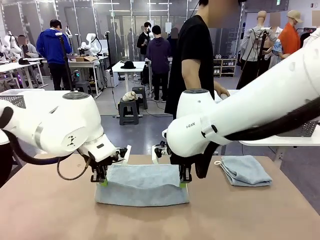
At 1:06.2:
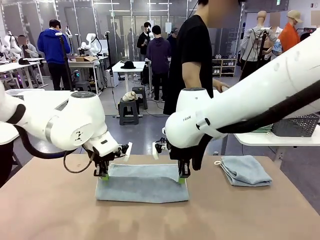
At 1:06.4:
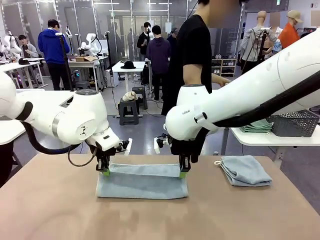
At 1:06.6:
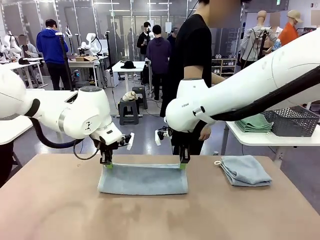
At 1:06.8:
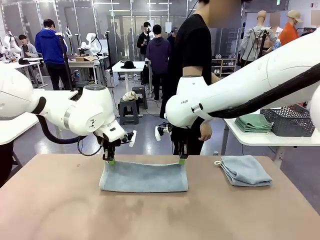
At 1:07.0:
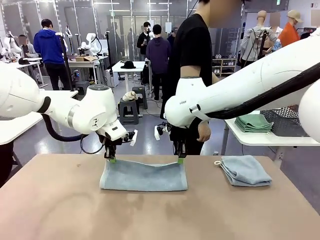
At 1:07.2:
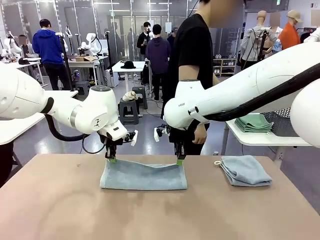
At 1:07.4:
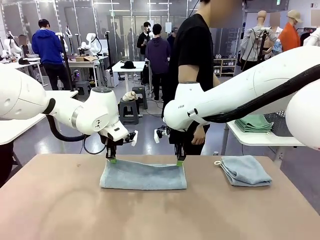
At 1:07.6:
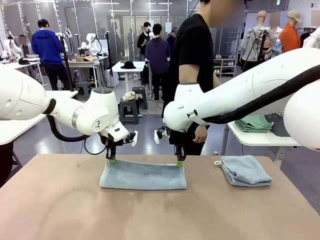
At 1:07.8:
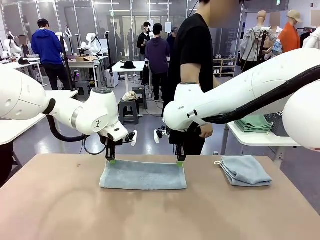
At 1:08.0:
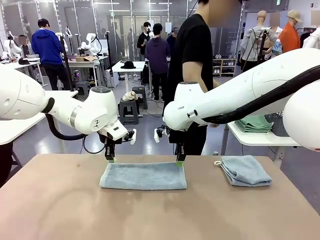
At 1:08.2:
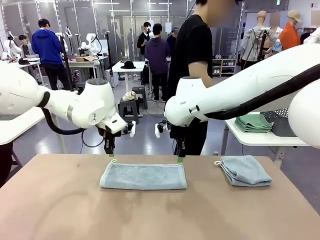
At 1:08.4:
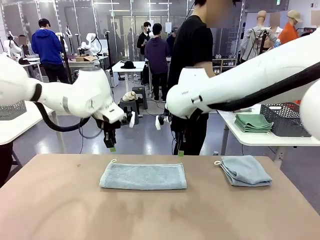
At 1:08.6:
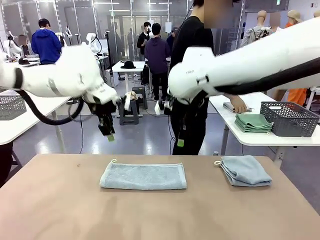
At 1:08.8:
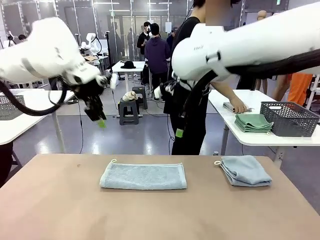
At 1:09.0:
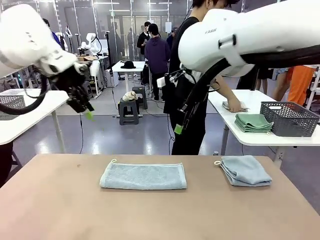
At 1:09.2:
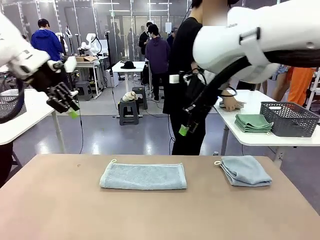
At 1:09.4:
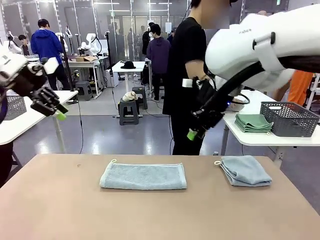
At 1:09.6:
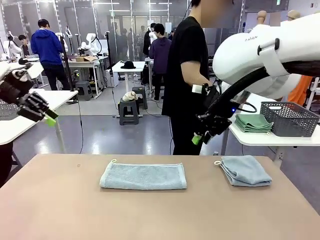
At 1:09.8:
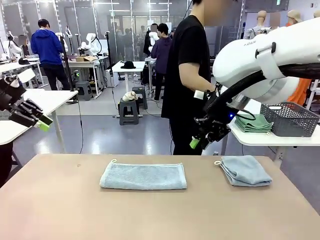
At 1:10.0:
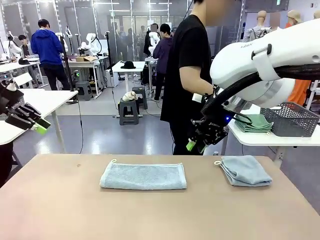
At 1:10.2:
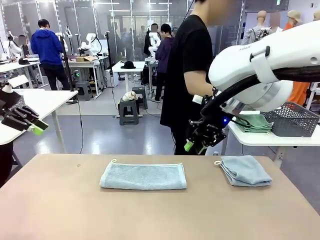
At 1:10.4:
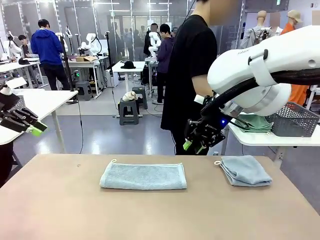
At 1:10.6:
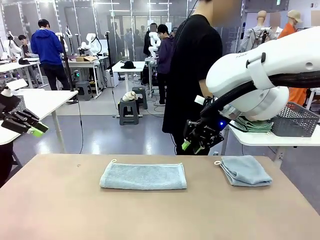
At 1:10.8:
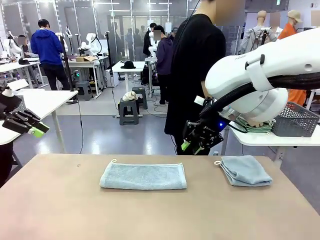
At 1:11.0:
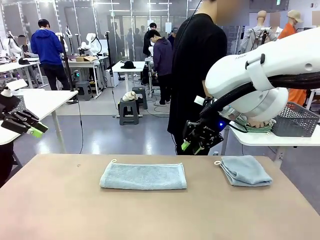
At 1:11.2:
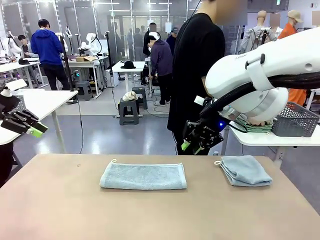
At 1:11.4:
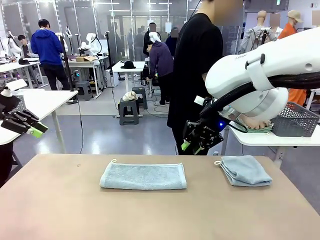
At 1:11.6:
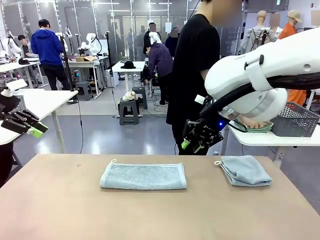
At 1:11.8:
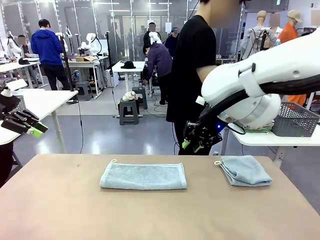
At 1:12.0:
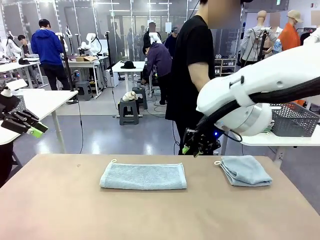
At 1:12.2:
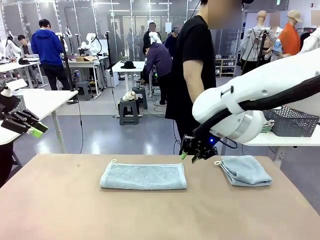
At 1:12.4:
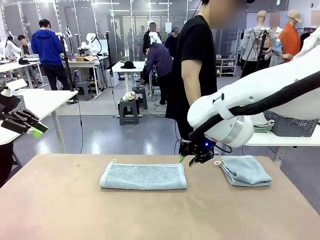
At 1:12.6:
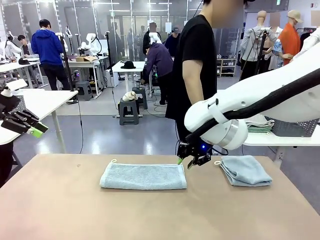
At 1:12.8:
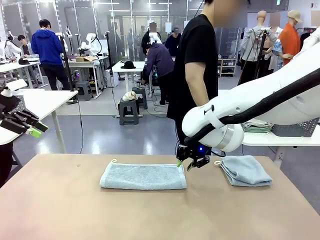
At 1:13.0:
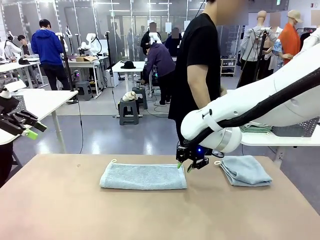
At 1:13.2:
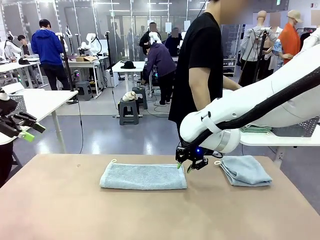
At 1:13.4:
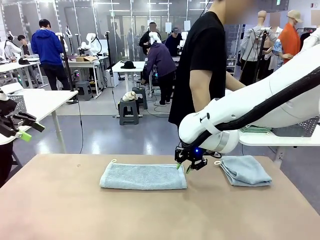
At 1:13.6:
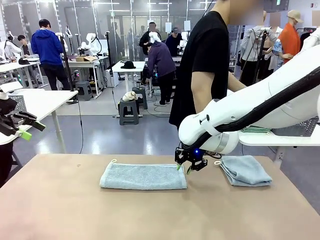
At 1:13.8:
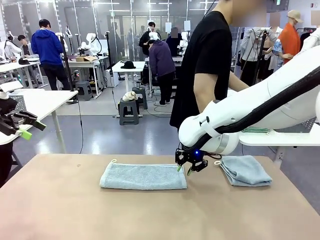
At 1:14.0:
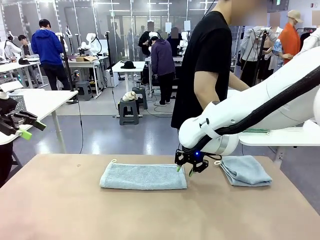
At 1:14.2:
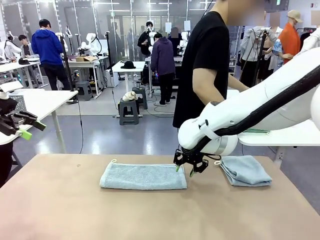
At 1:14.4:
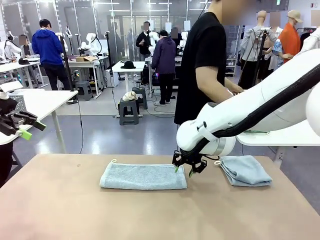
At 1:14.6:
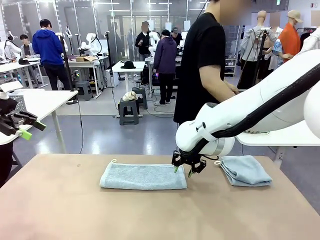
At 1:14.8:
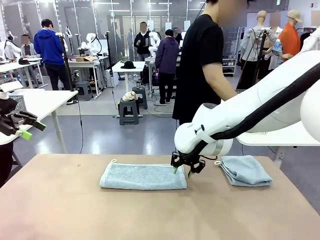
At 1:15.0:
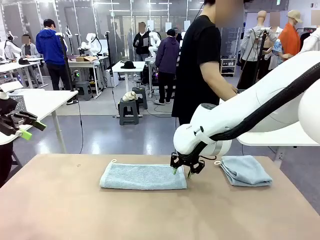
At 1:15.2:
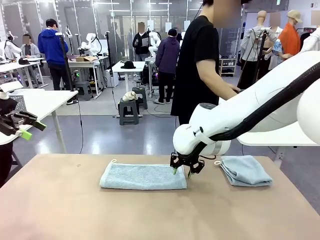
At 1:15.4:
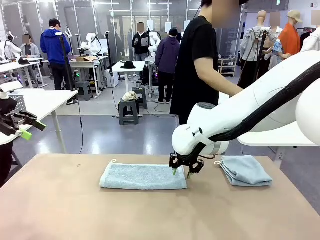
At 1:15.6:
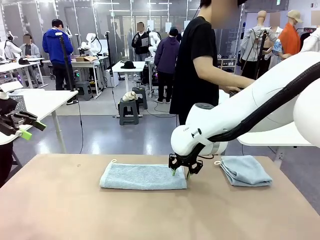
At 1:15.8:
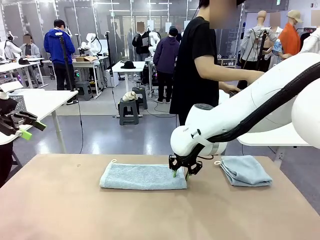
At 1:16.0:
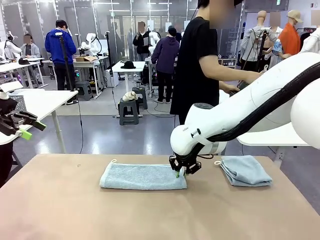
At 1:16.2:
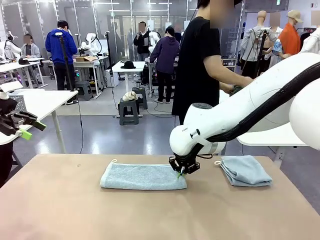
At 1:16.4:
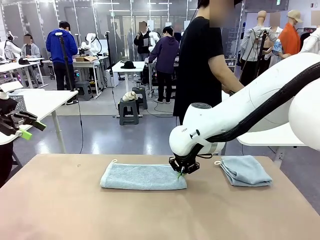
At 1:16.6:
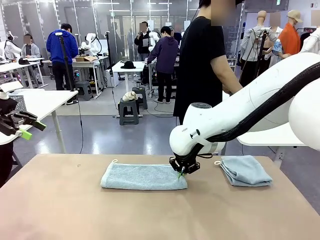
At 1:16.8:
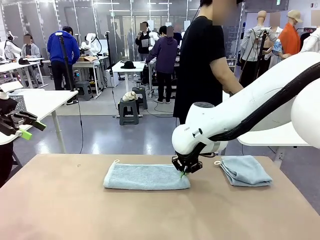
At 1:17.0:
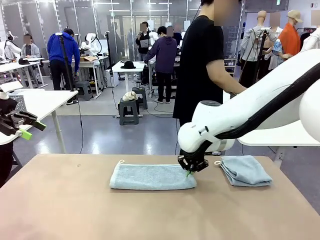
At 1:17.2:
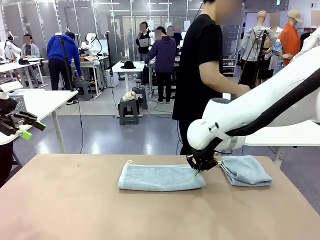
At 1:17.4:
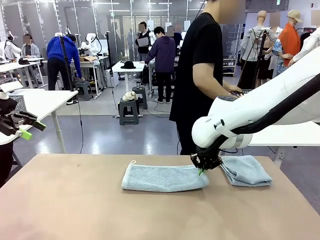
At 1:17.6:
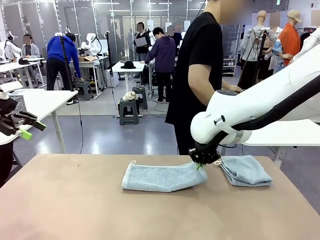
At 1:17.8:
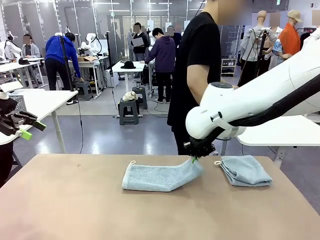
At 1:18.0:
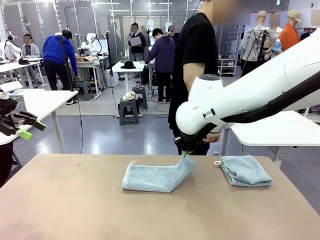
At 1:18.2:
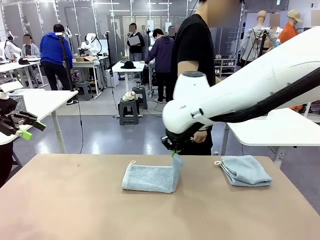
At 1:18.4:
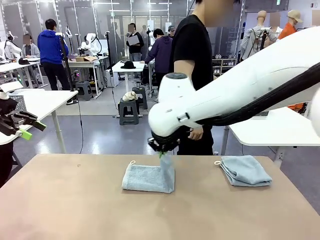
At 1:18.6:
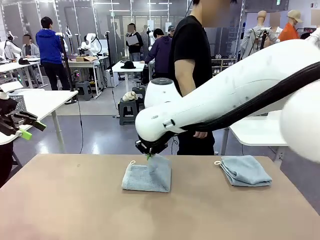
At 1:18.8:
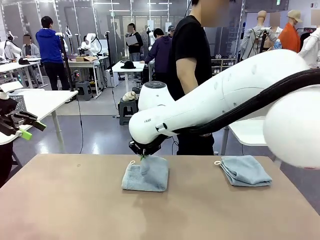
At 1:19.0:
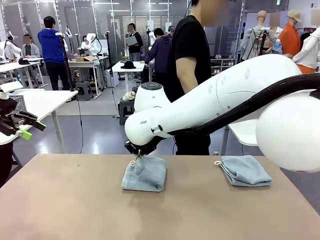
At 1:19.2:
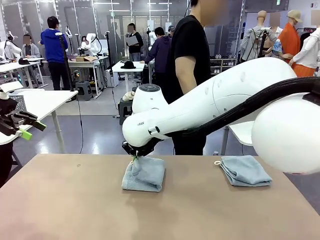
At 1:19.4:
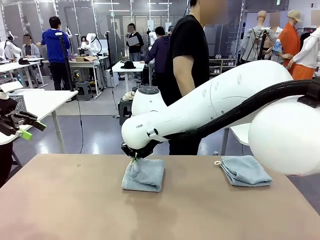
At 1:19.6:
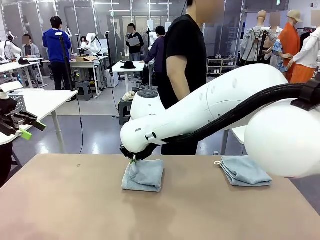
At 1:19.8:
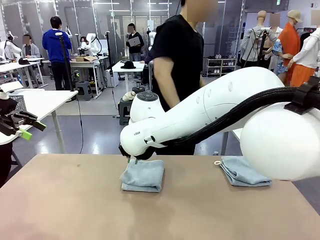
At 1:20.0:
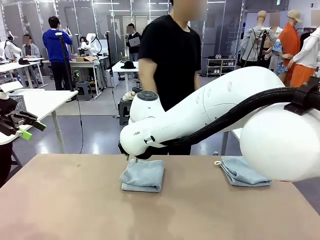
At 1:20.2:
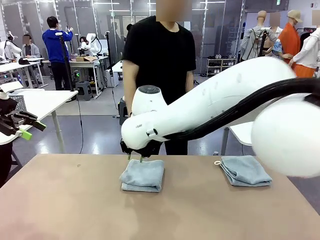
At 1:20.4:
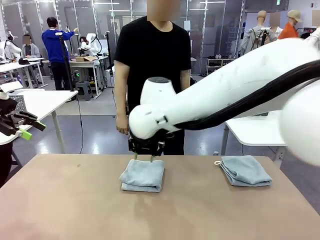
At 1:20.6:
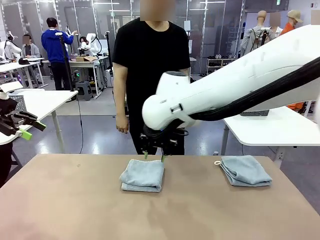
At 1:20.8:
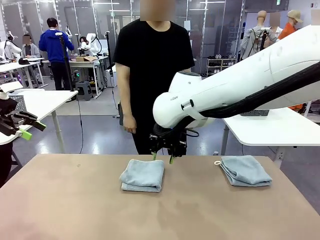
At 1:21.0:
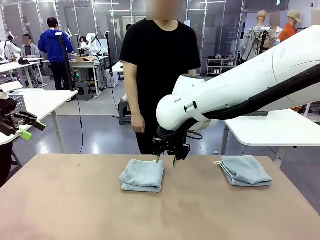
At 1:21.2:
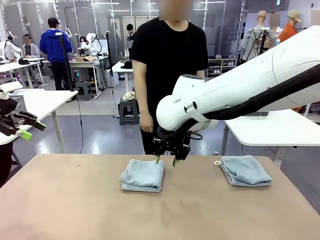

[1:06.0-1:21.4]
Task: Fold the towels and place them in the basket.
Robot: When a person lays out a Towel with hook on the table, fold it in half twice.
Person: Pick up the stack of towels from the right side of the human table, place it into the basket, and put the basket at the center of the table.
